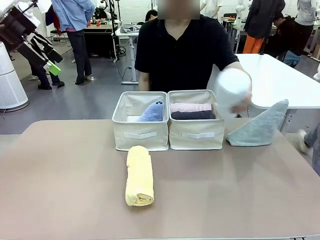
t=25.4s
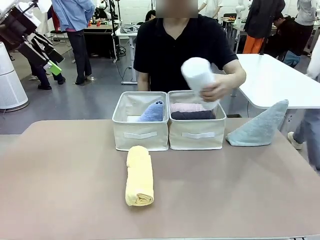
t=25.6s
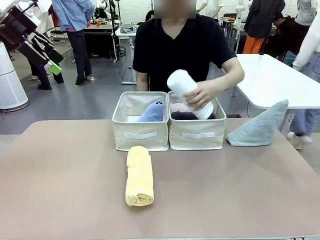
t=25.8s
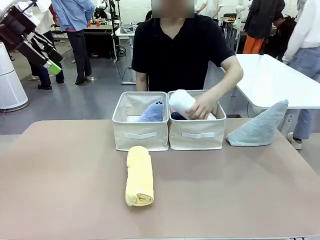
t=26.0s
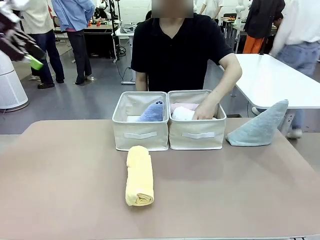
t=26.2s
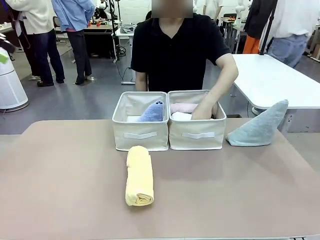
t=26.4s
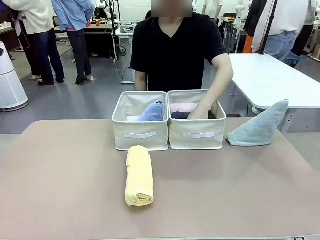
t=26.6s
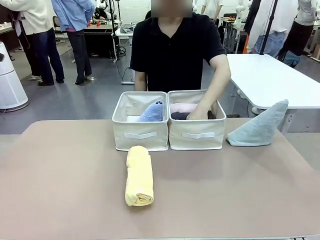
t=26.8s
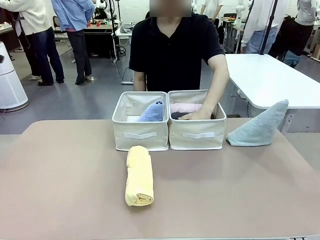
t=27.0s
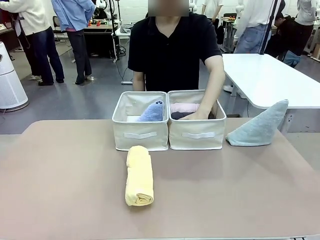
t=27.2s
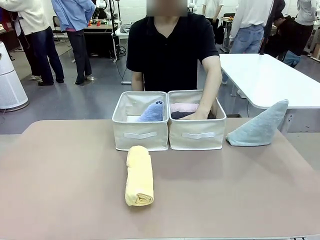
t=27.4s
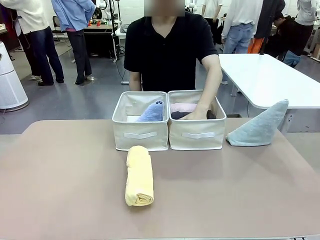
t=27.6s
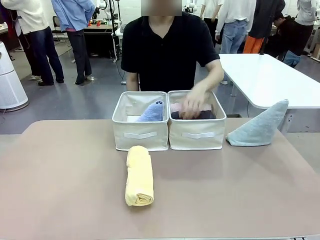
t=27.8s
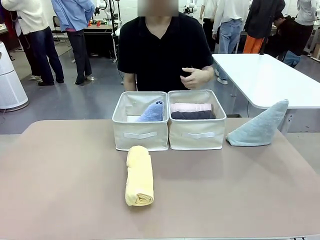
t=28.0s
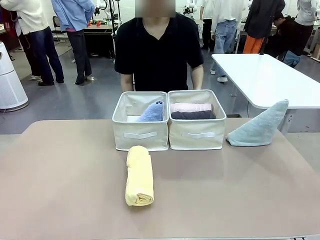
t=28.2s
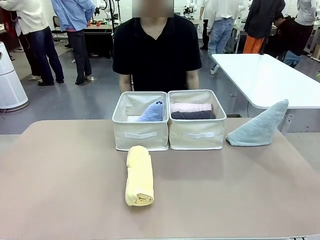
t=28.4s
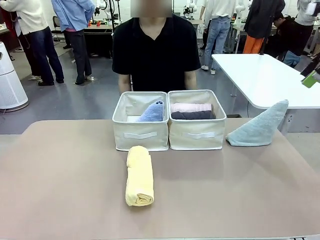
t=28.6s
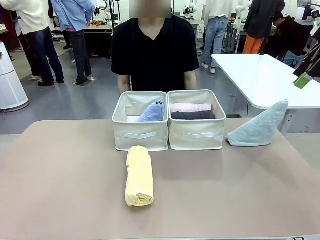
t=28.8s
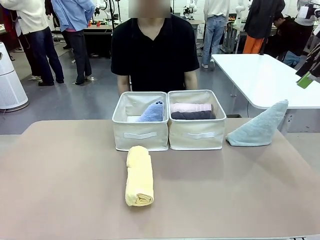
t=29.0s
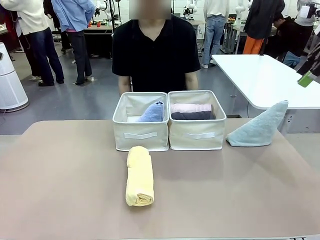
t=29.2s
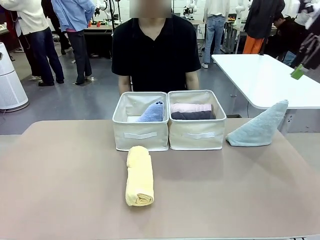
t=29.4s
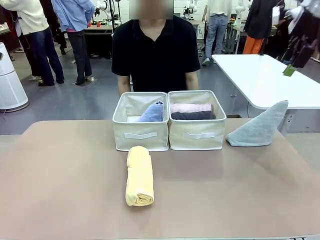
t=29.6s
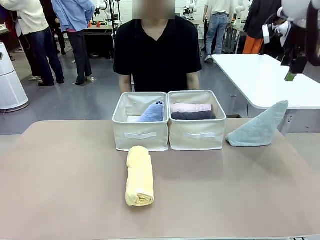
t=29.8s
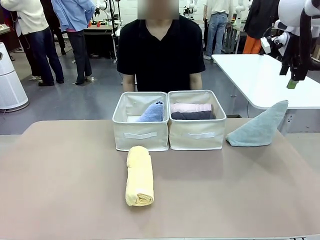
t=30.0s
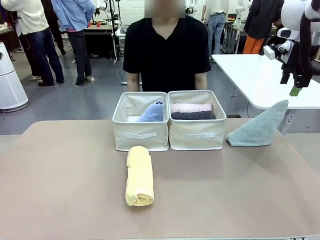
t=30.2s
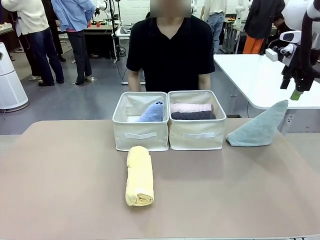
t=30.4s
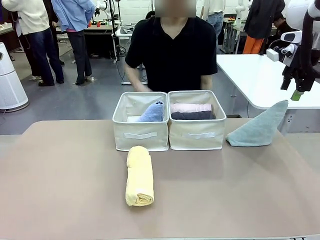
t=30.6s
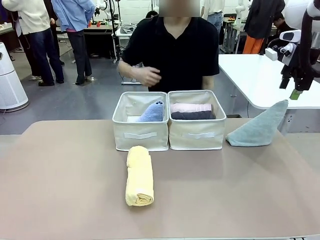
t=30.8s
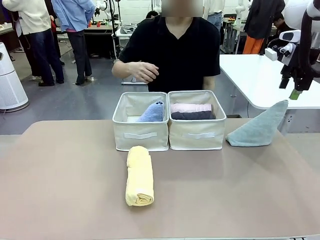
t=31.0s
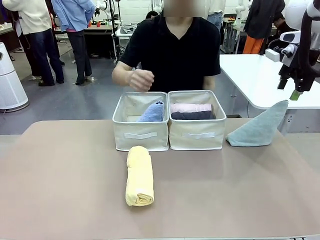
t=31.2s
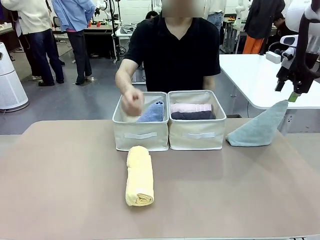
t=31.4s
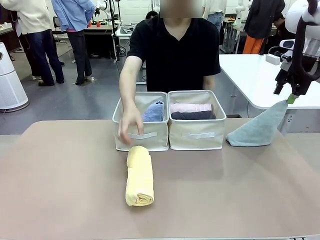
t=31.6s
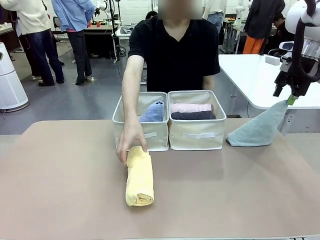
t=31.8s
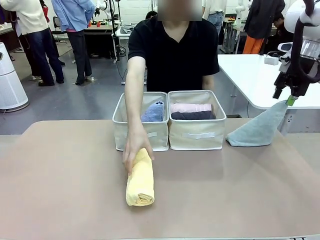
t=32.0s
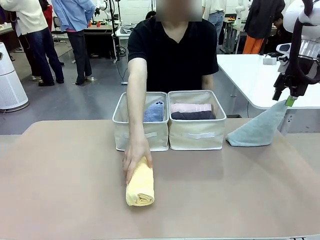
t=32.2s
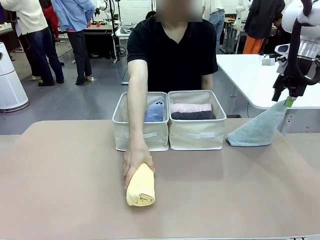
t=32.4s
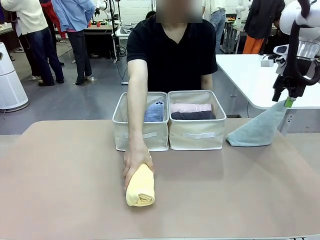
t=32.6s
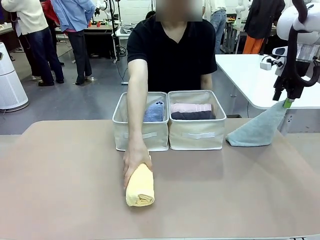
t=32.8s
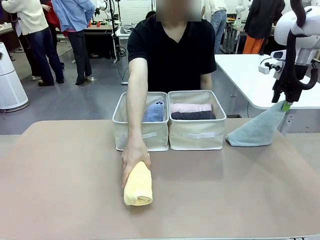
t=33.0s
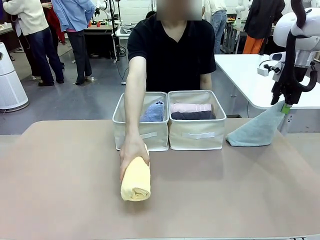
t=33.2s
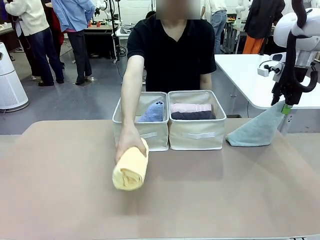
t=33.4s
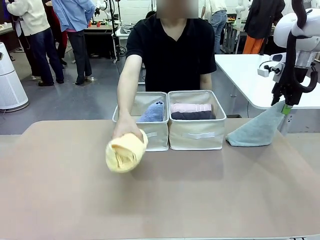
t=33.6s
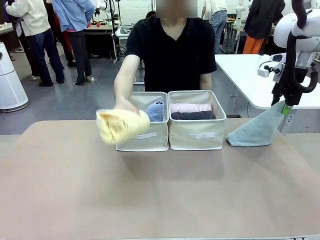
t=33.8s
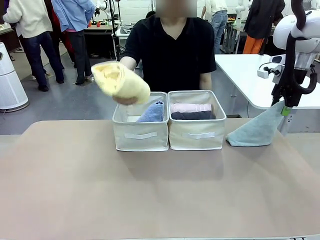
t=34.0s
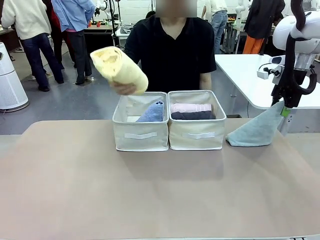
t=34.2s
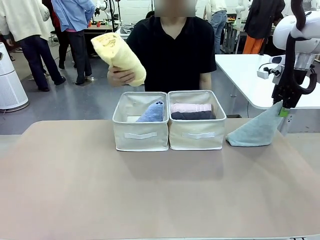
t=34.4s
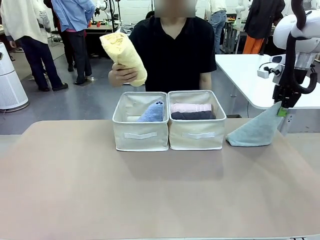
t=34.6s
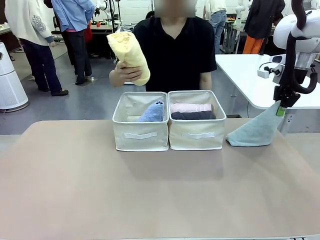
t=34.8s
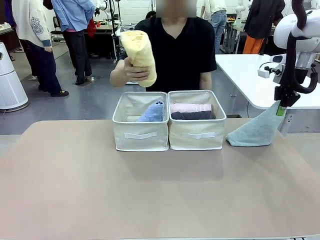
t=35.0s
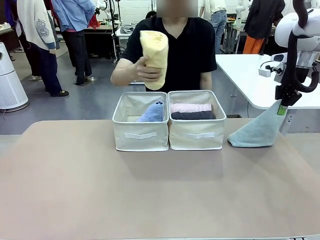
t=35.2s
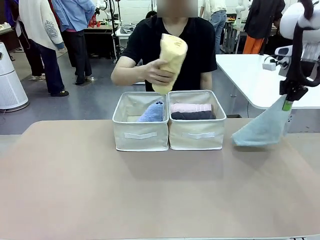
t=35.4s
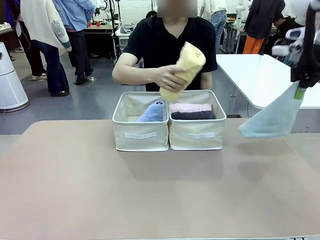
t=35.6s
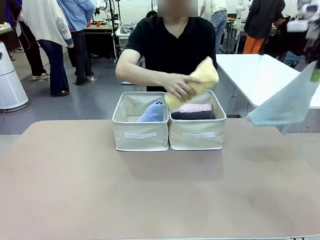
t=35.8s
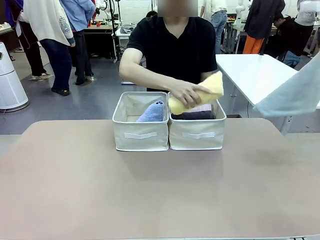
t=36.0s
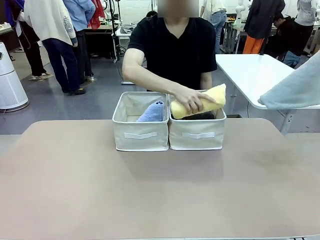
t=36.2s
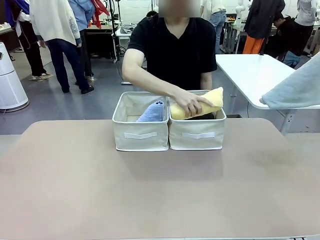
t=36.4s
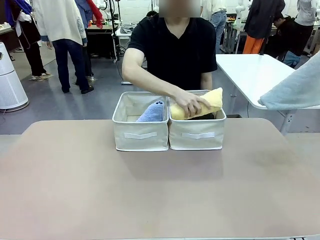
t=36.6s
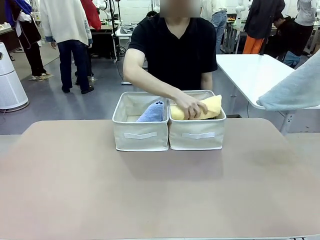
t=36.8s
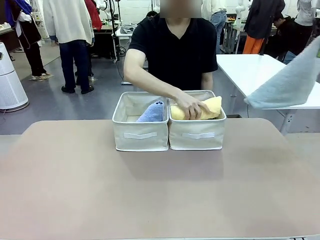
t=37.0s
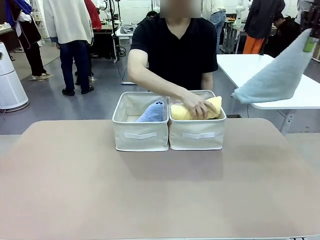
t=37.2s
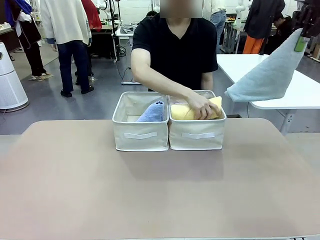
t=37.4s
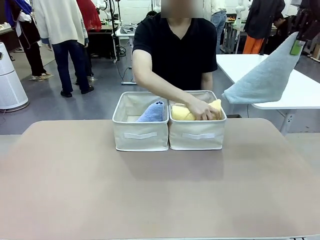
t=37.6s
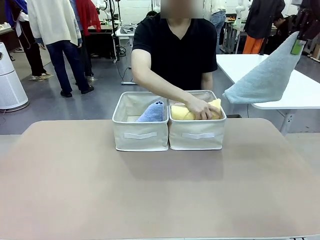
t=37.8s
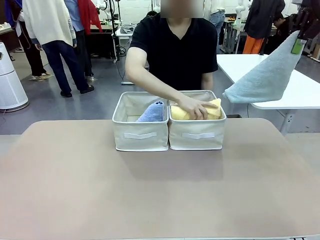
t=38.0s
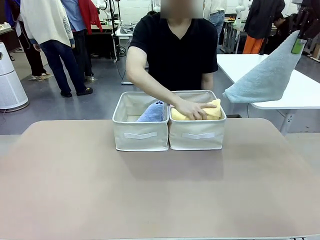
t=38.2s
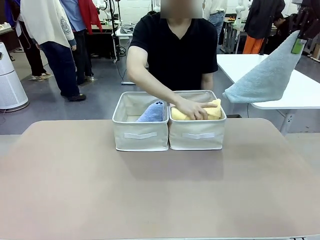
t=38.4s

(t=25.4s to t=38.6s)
Task: Sort the towels based on their folding style.
Robot: Pick up another triangle-folded towel from the table and place it in the left Fabric basket.
